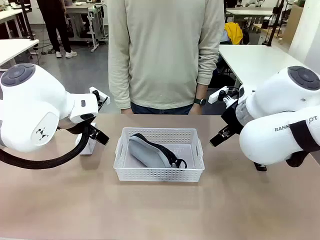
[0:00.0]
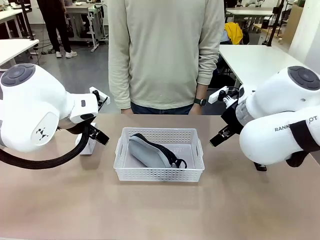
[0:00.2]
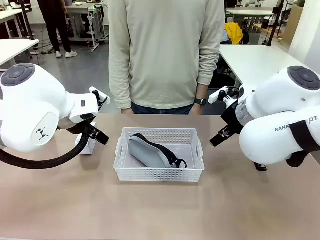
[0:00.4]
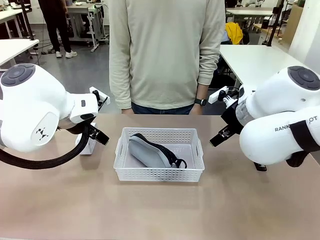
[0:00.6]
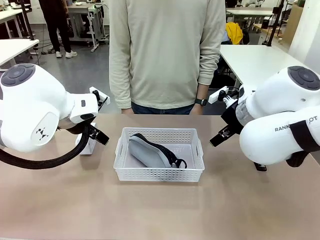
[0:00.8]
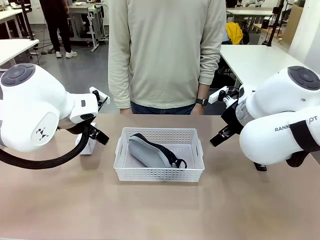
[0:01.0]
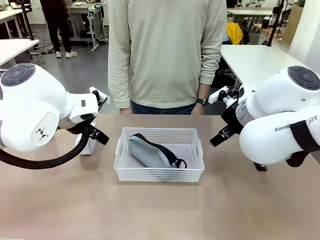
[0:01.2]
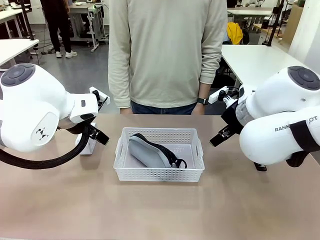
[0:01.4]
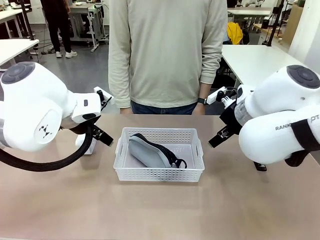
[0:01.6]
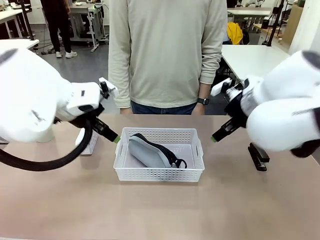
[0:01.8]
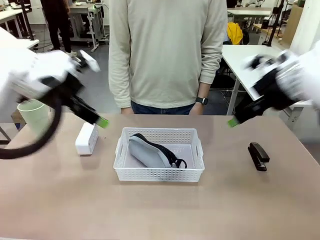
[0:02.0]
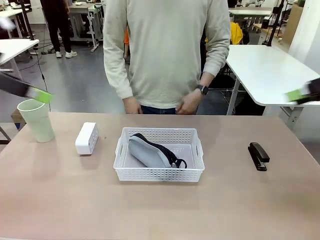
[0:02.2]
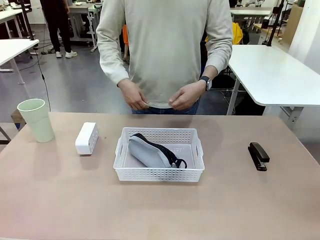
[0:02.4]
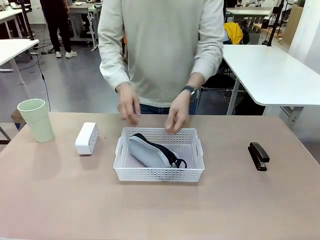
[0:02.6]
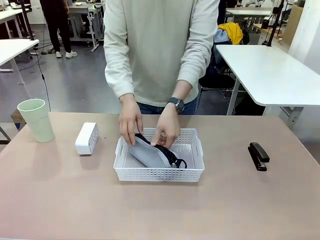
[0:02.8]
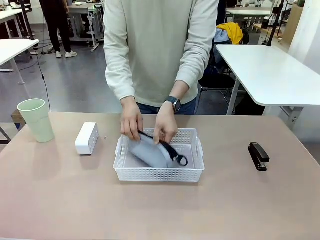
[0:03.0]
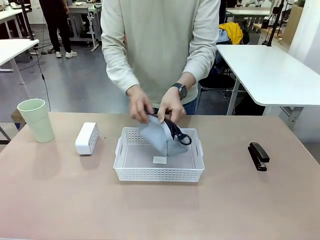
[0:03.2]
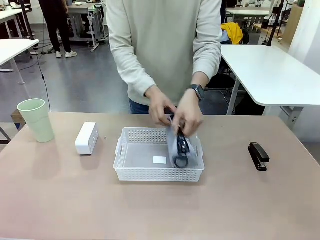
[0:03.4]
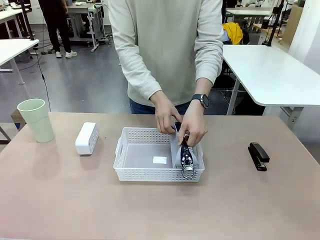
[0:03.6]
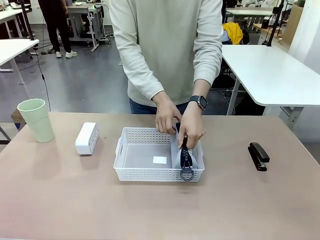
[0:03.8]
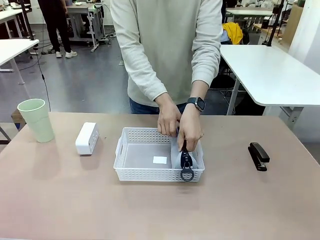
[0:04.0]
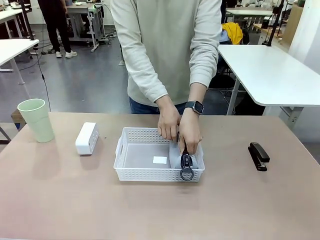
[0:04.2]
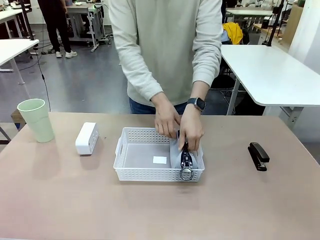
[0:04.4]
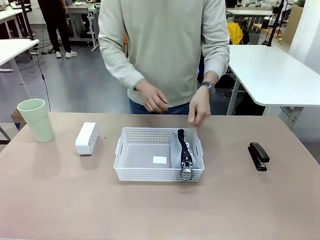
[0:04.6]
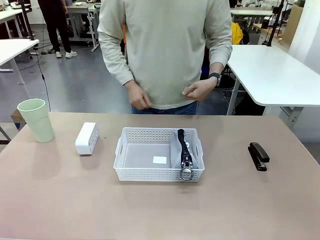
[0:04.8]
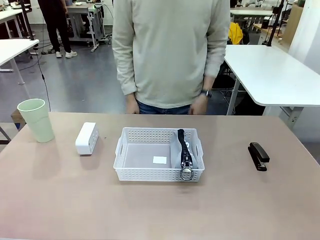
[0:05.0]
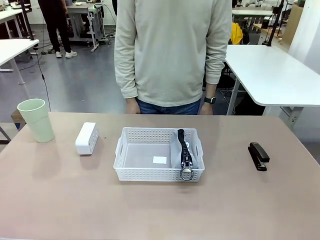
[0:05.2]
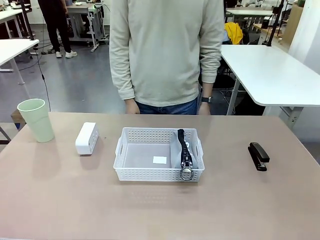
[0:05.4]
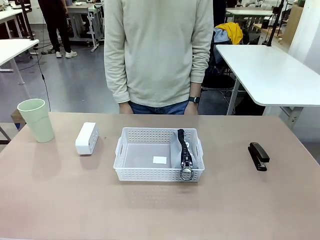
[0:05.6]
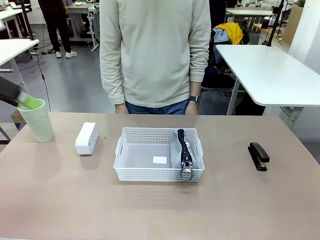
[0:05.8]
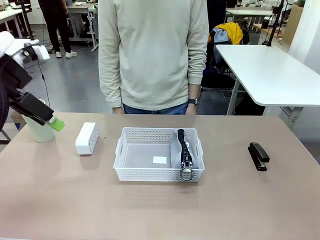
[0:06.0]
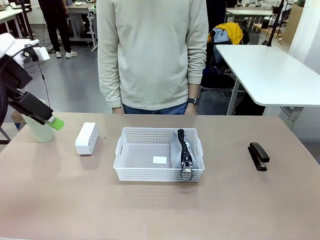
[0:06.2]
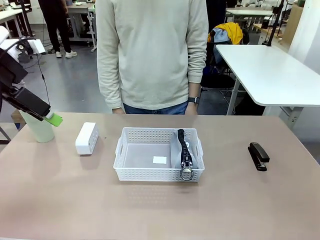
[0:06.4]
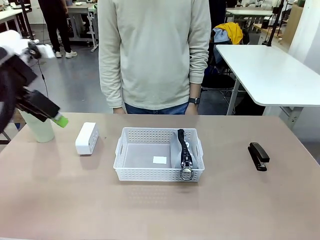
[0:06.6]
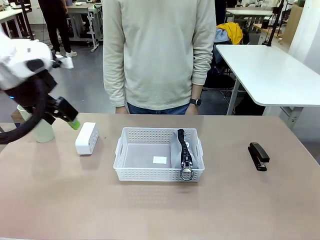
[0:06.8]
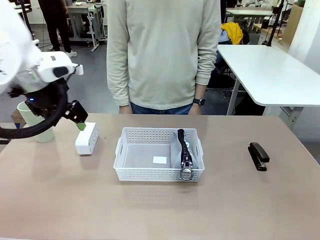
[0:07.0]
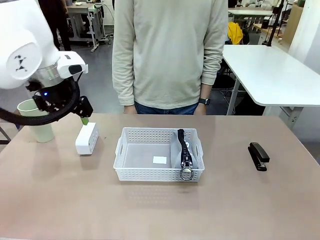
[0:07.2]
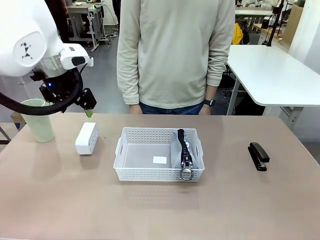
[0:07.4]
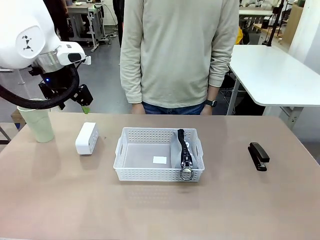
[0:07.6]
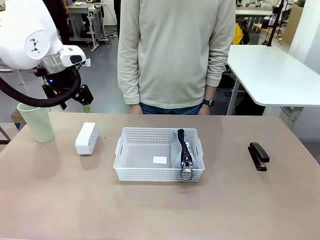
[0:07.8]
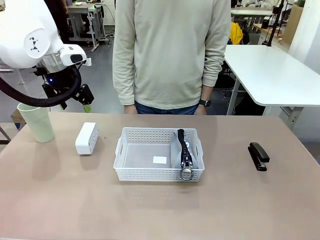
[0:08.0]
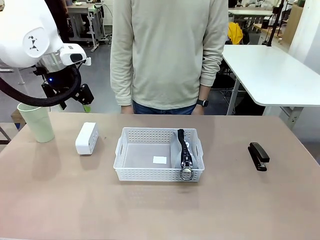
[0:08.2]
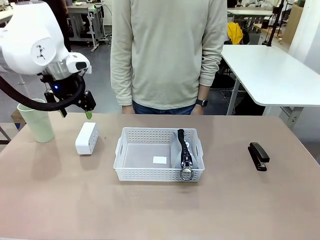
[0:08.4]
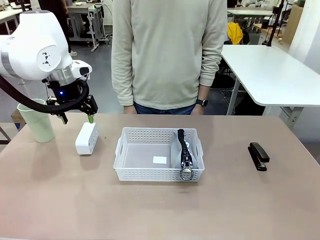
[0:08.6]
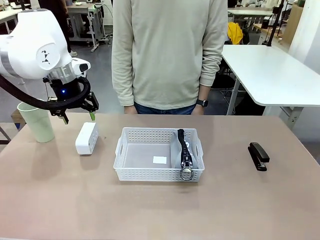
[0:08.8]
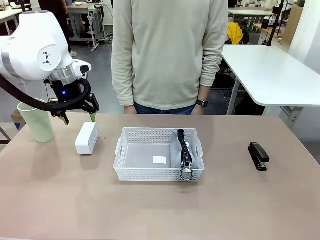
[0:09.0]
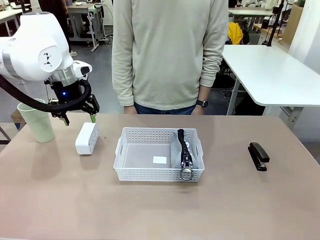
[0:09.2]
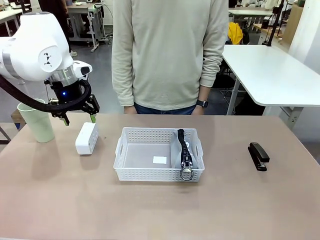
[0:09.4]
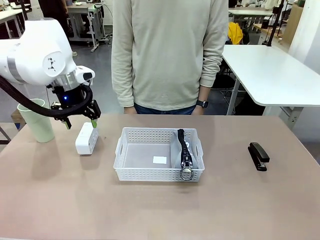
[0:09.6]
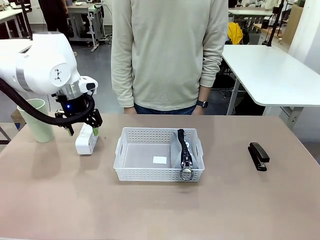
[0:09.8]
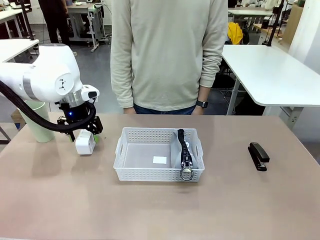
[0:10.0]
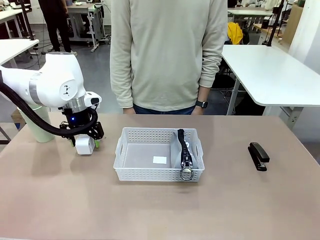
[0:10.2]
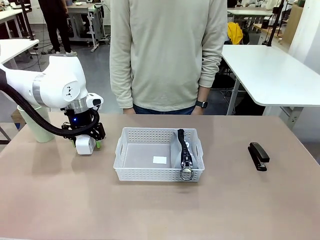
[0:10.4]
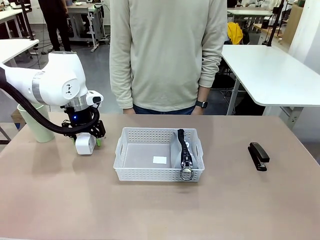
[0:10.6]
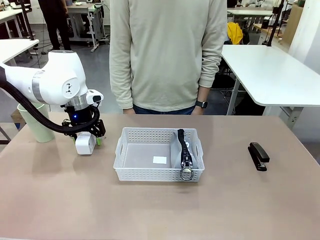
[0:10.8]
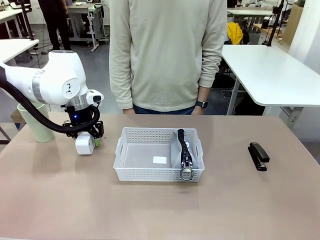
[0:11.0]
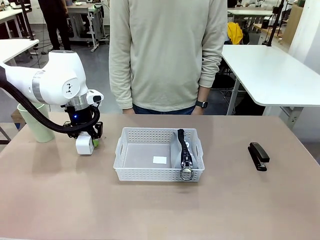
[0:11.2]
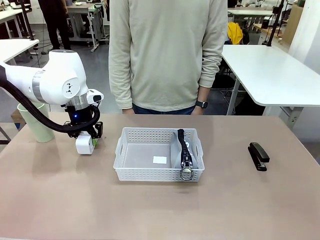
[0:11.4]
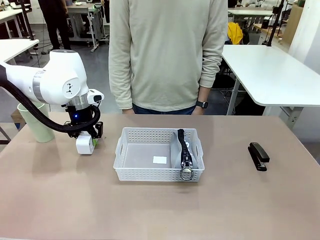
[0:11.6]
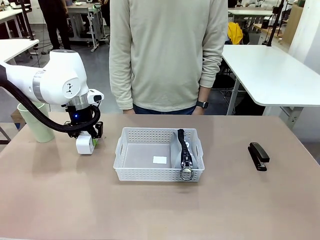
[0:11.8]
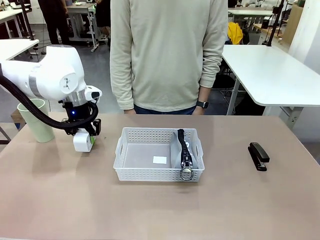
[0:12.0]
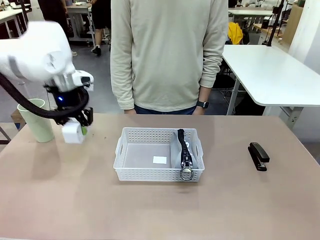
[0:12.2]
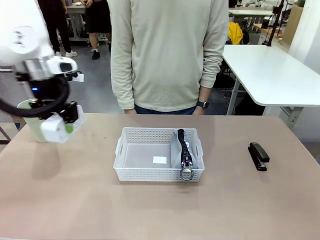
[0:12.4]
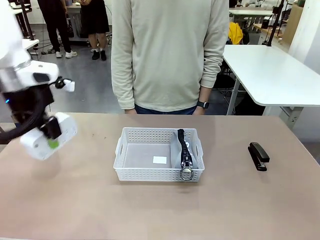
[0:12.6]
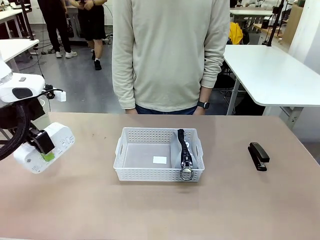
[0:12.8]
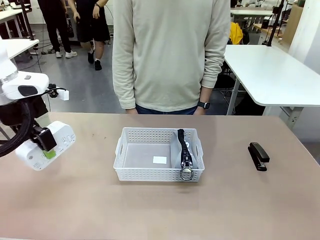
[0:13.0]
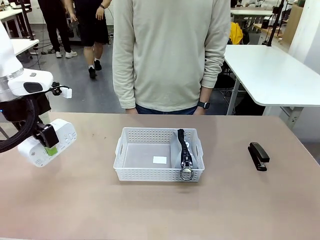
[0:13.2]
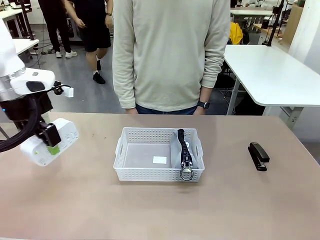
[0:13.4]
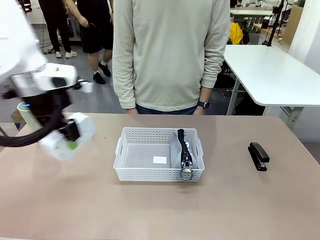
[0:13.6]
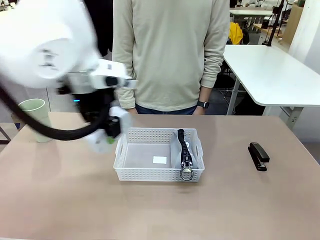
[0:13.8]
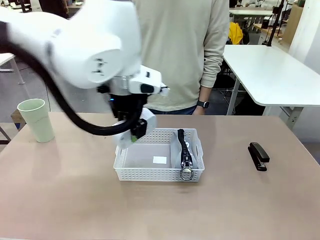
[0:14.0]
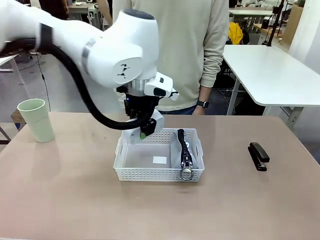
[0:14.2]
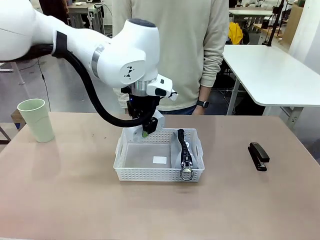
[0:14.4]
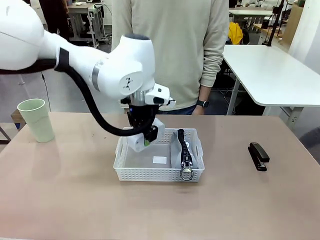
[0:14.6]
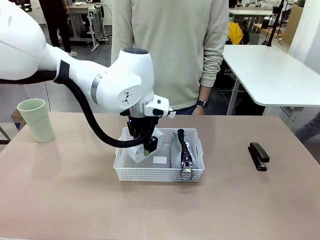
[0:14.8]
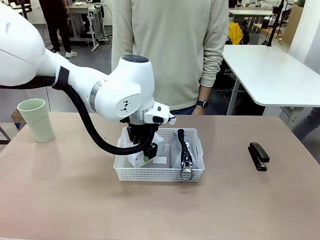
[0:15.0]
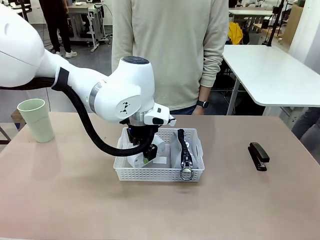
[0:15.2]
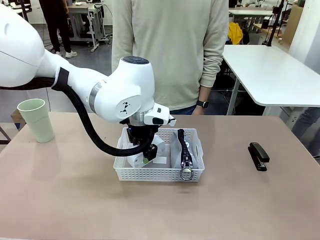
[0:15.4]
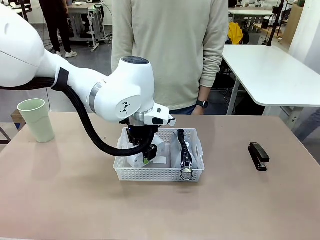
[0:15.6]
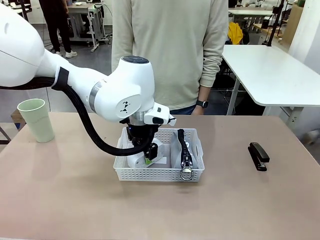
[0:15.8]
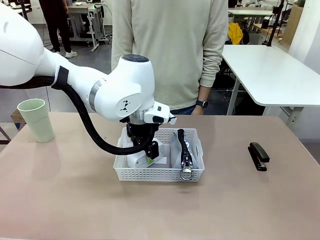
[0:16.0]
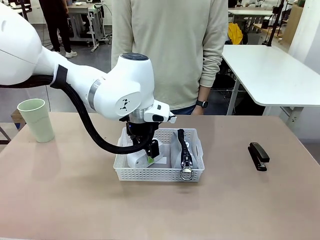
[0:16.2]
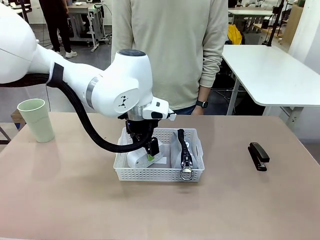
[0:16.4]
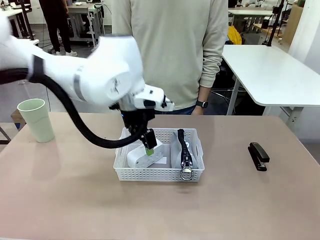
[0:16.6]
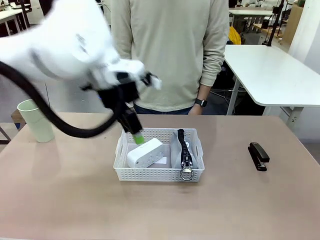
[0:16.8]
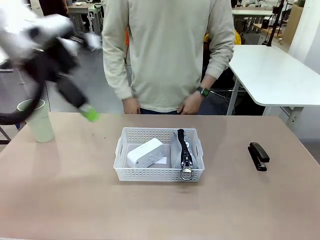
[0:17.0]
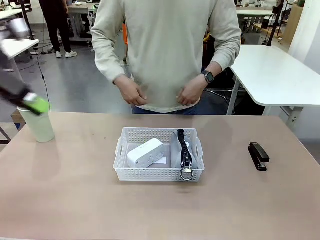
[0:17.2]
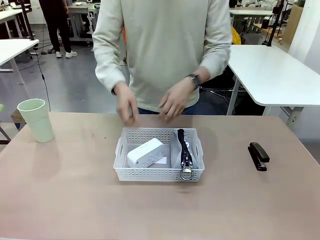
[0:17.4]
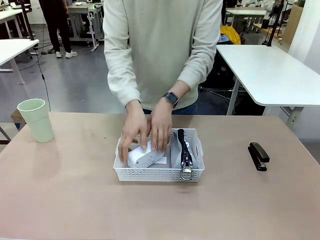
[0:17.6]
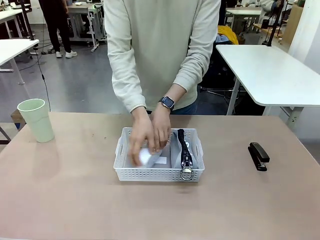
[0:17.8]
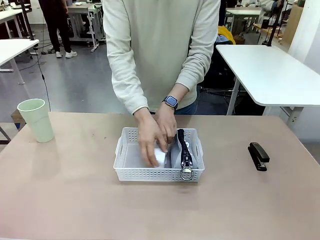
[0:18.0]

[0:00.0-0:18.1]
Task: Efficiently arrange items inside the basket to fit them all.
Robot: Pick up the Digital clock and place it inside the Organizing basket.
Person: Repositions the pencil case. Repositions the digital clock.
